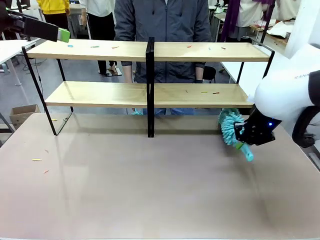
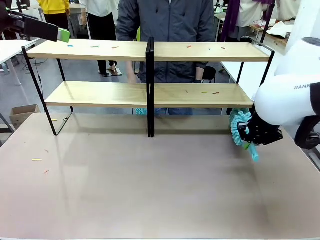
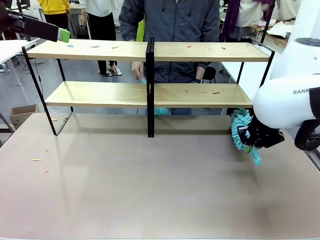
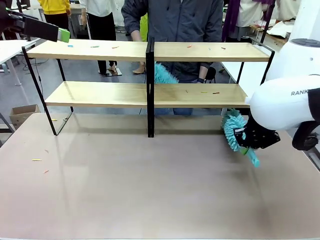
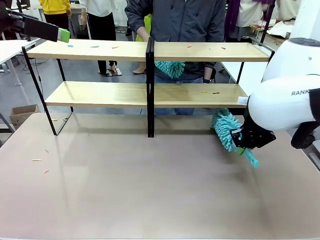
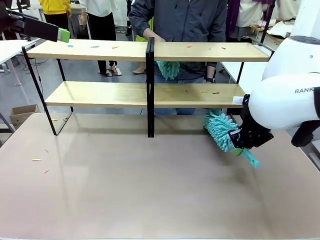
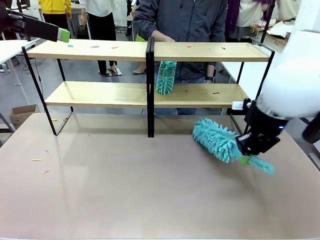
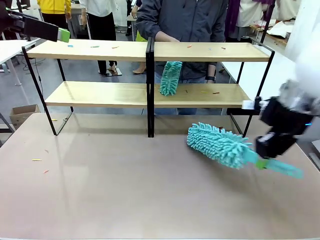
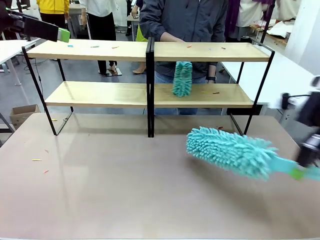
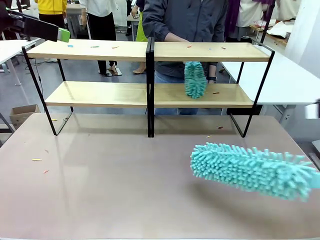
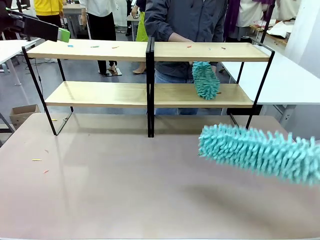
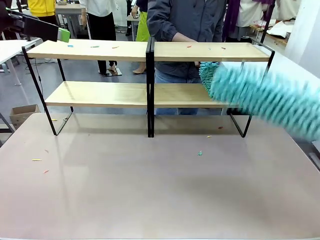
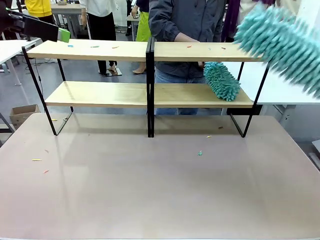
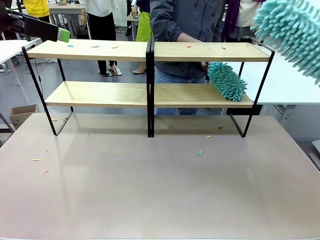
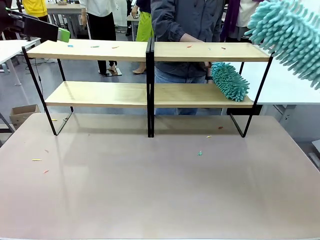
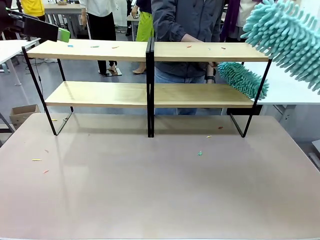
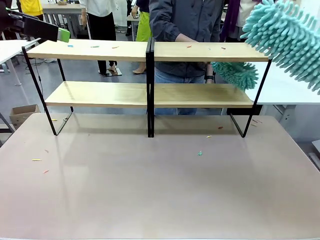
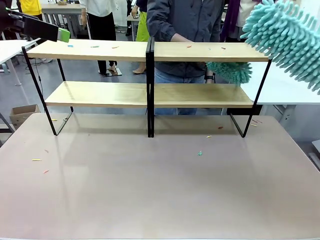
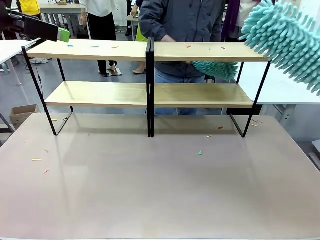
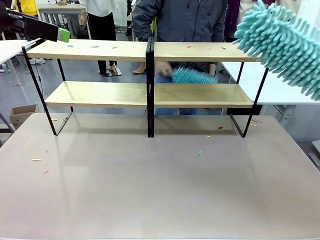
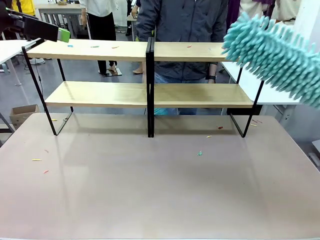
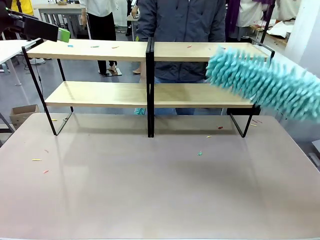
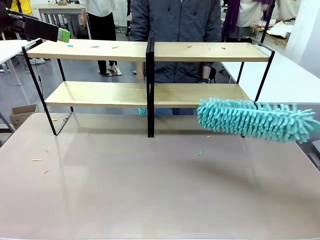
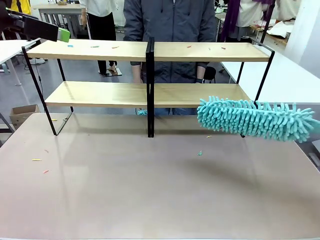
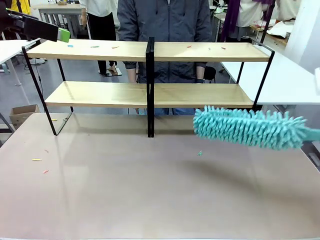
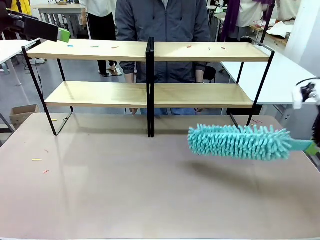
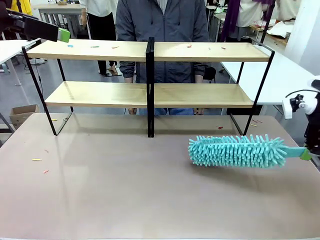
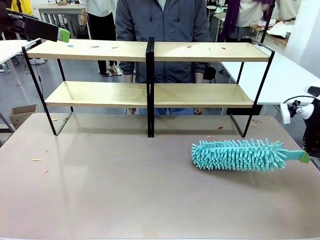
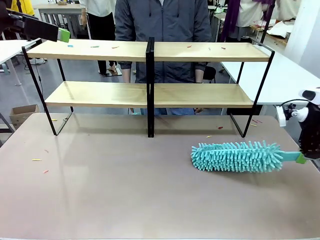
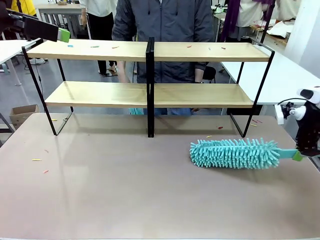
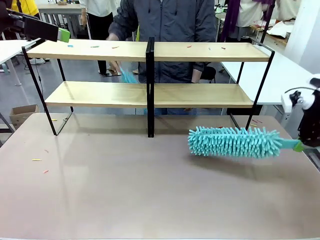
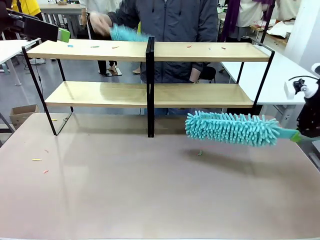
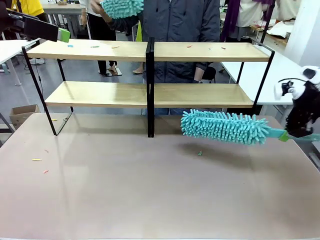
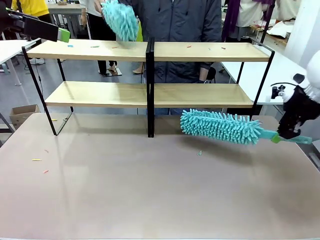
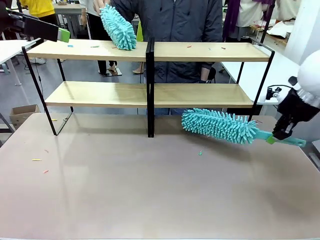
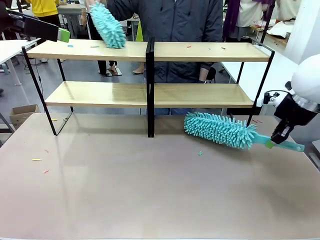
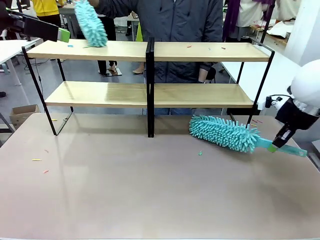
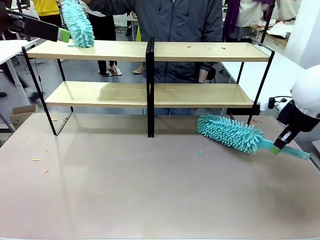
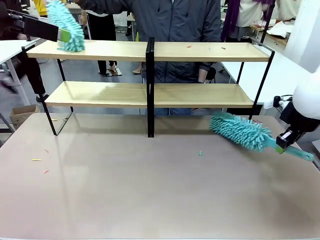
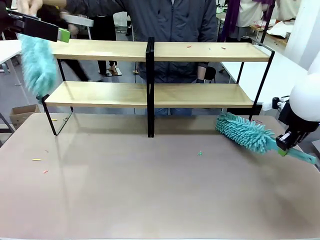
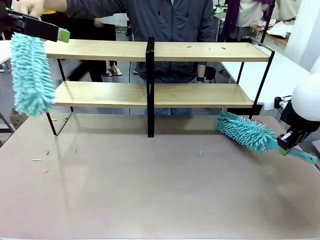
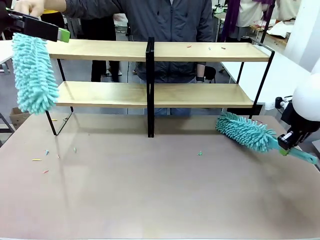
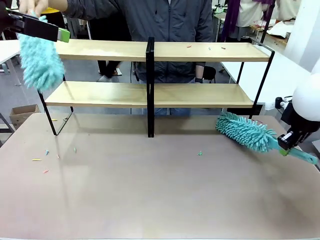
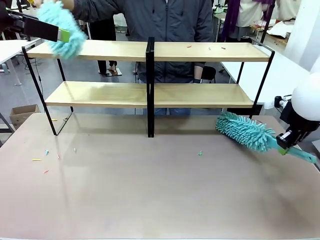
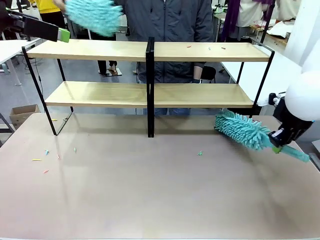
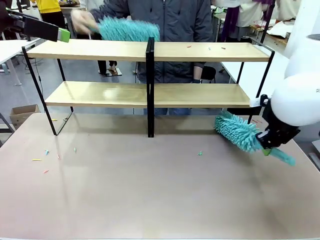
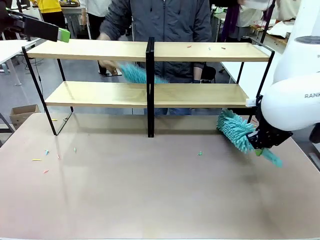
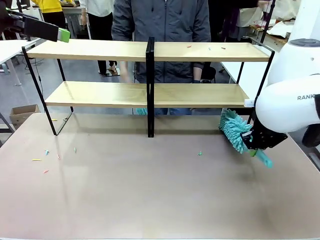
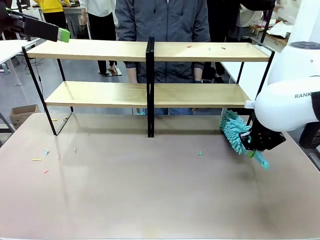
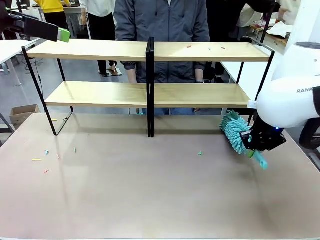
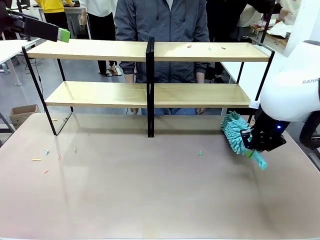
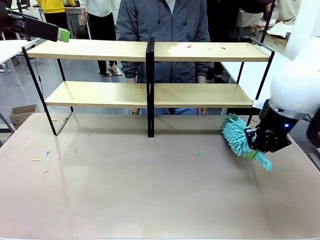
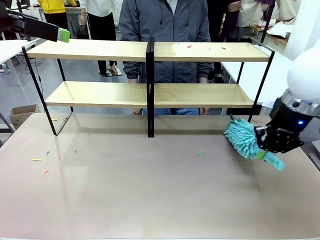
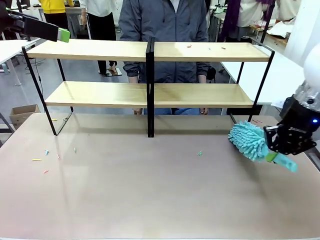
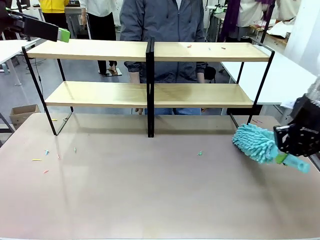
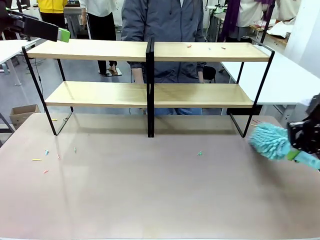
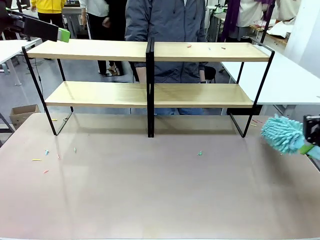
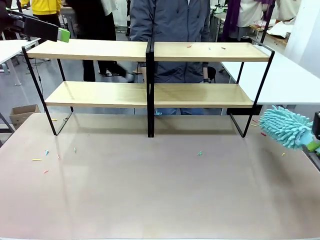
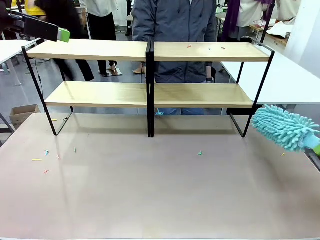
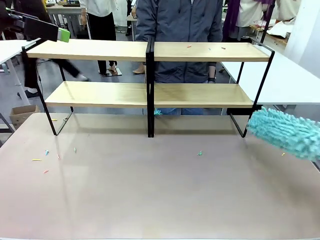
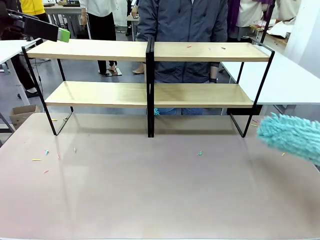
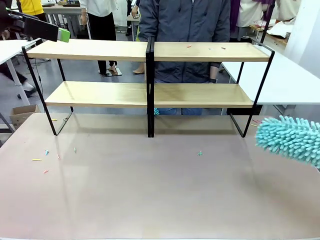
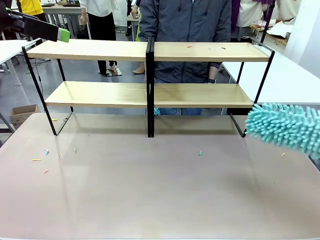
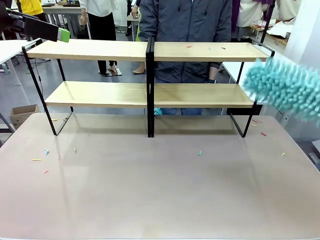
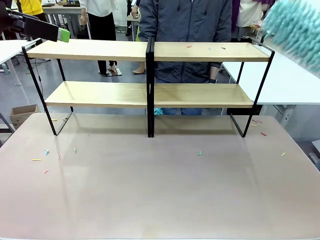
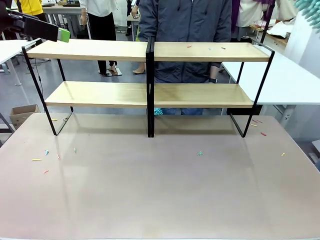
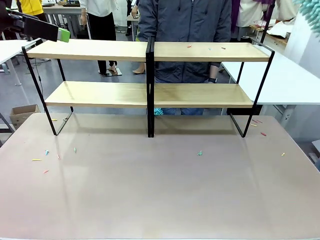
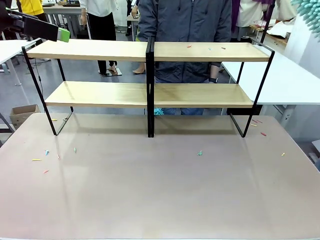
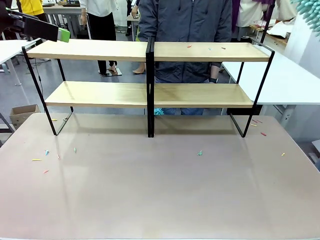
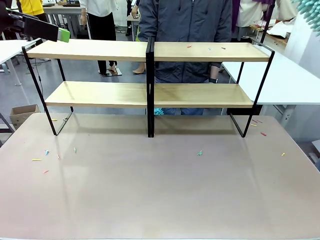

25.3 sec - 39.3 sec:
Task: Clean the shelves.
Robot: Clean a randomly selected level of the Shelf with the Duster.

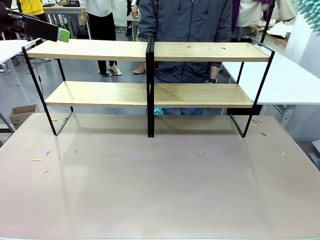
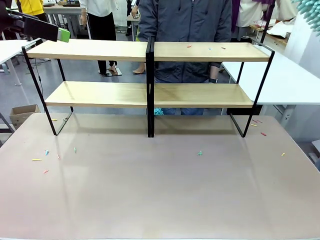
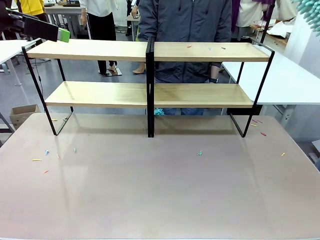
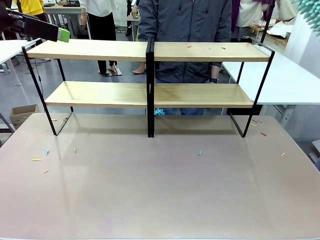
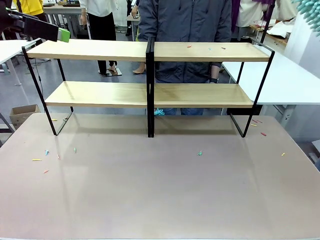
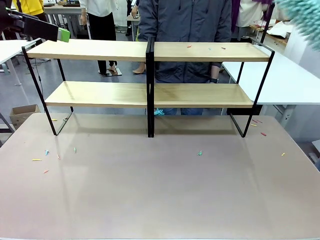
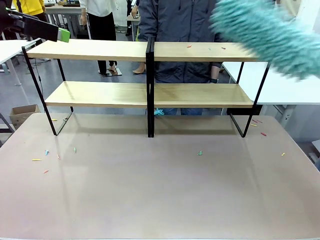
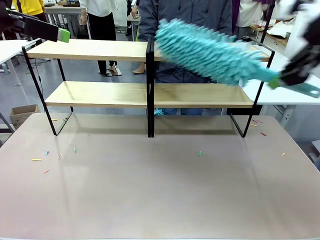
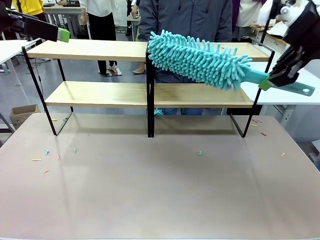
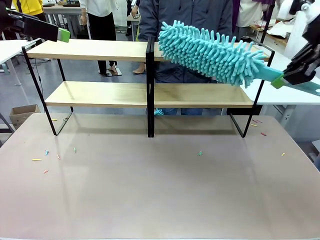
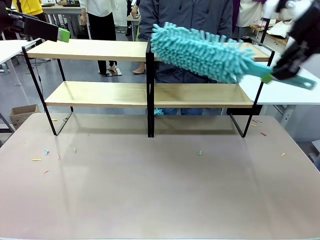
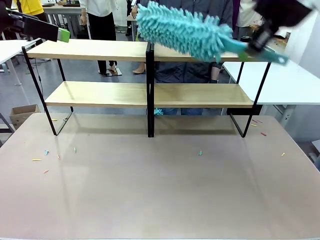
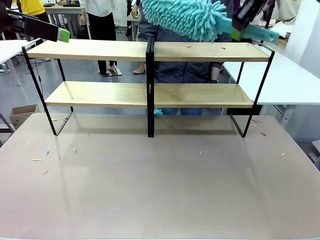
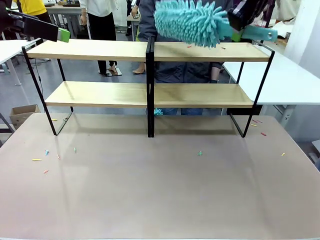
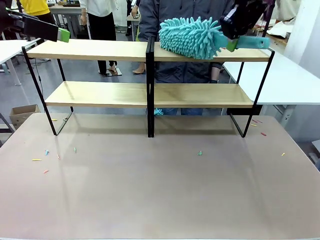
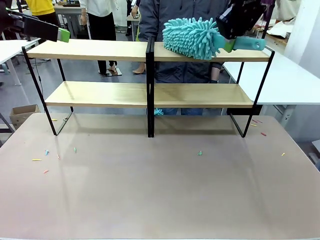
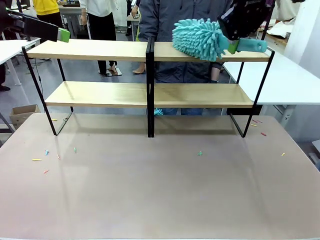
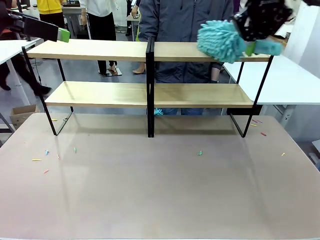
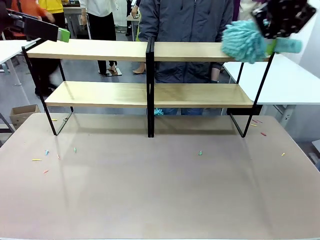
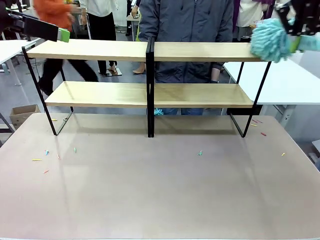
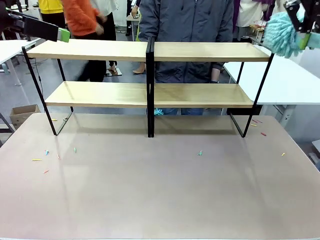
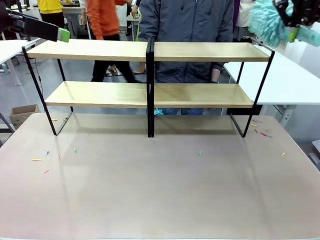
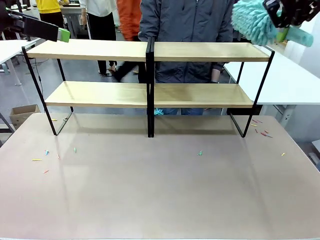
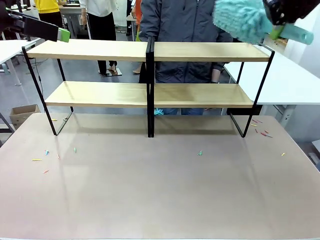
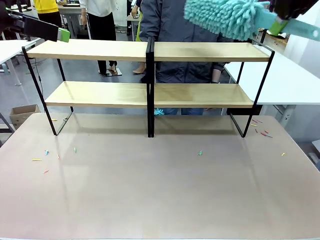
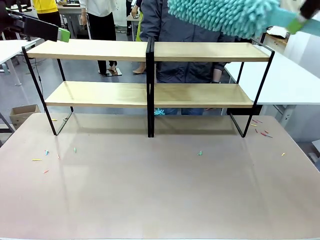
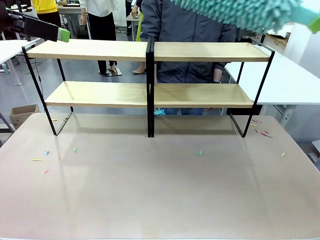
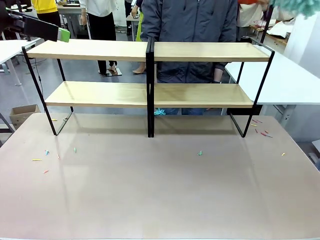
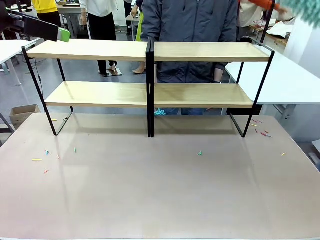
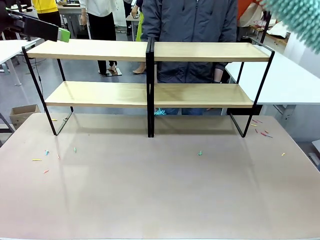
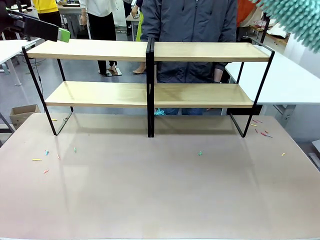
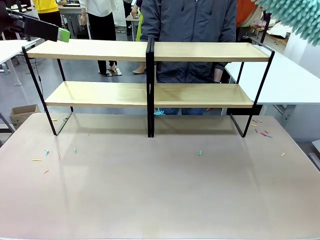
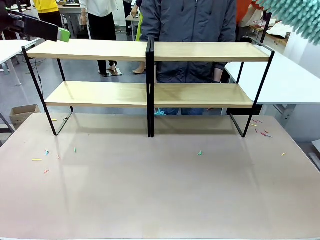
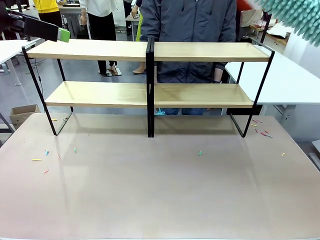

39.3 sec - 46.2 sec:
Robot: Clean another randomly selected level of the Shelf with the Duster.
